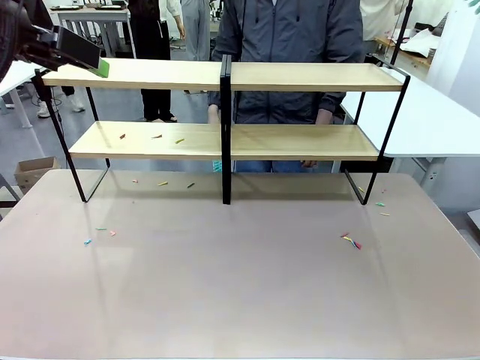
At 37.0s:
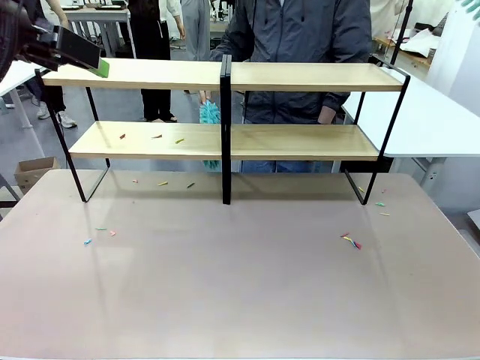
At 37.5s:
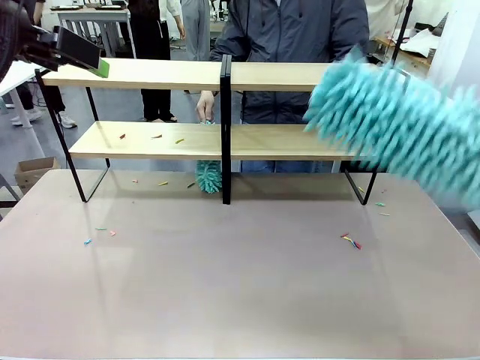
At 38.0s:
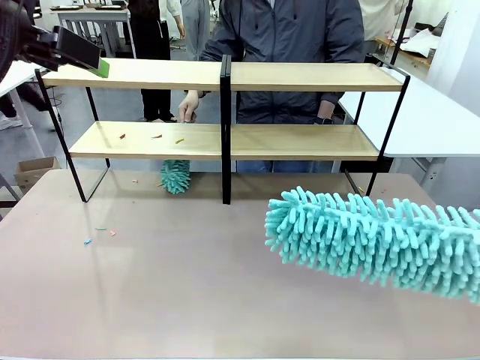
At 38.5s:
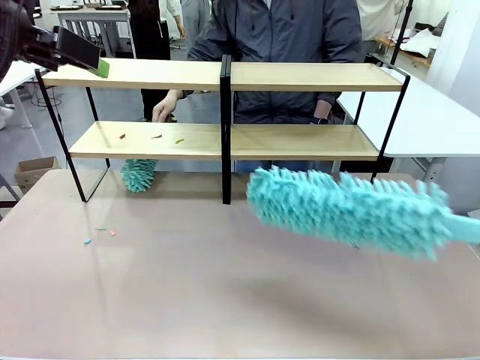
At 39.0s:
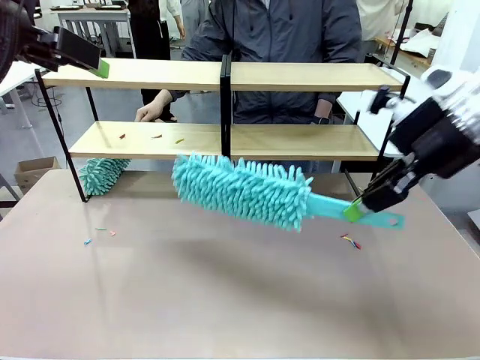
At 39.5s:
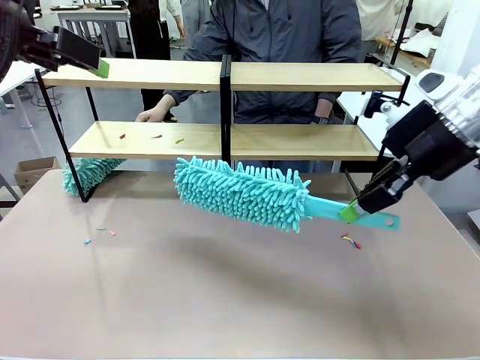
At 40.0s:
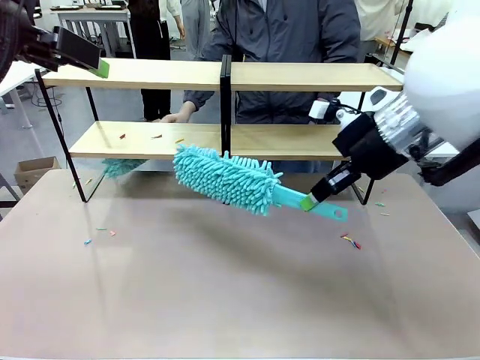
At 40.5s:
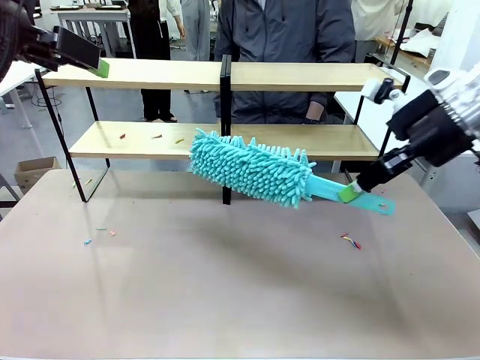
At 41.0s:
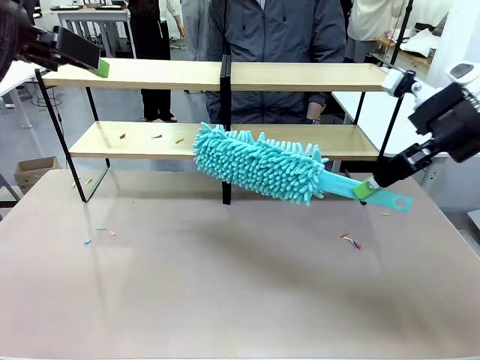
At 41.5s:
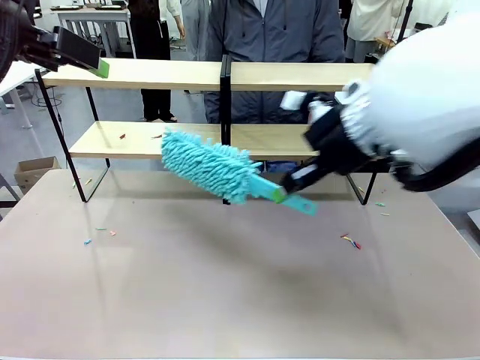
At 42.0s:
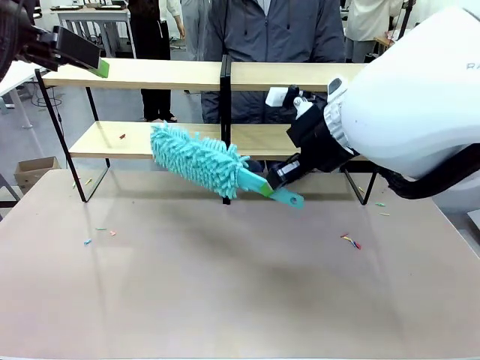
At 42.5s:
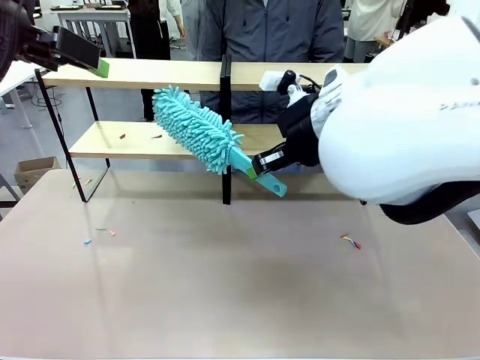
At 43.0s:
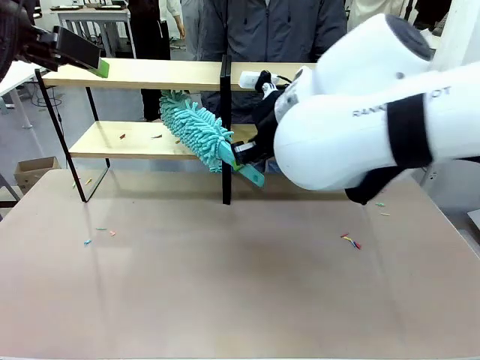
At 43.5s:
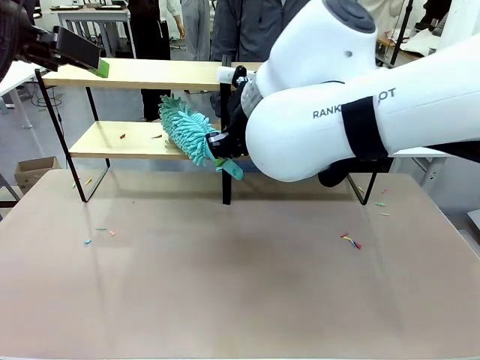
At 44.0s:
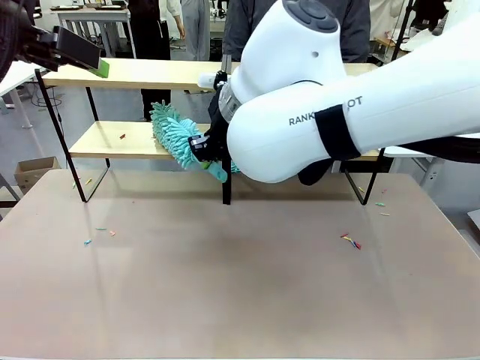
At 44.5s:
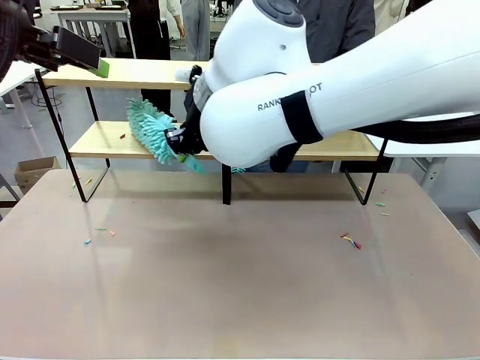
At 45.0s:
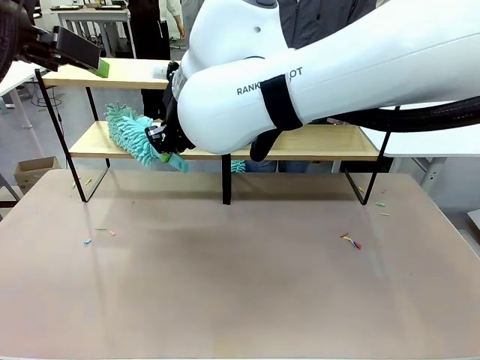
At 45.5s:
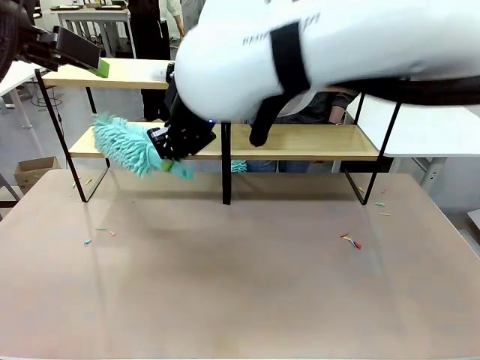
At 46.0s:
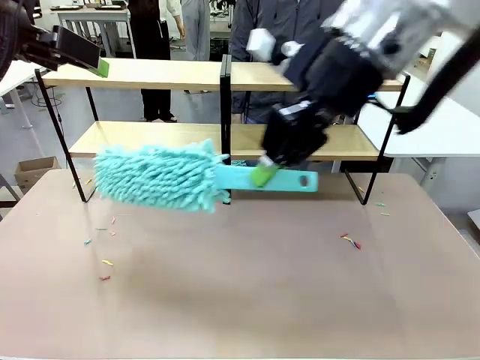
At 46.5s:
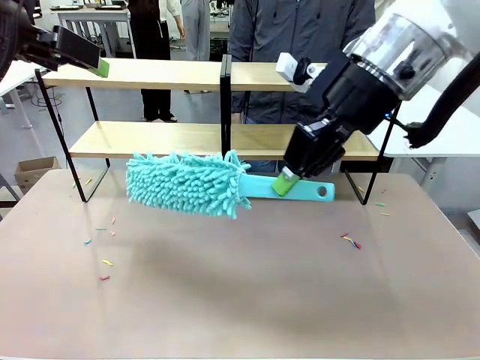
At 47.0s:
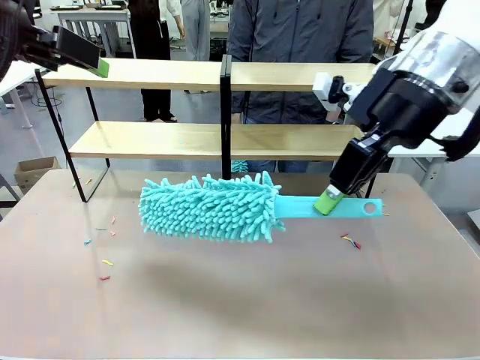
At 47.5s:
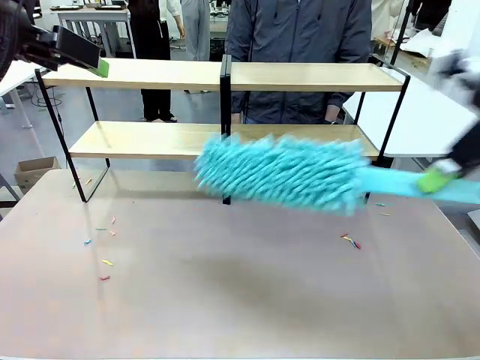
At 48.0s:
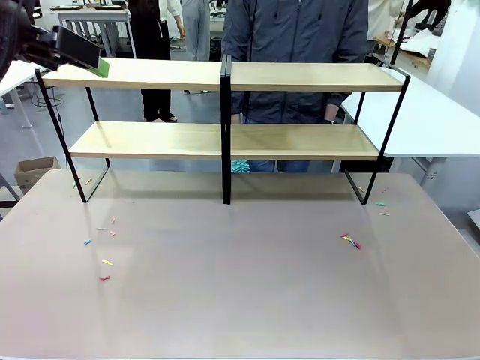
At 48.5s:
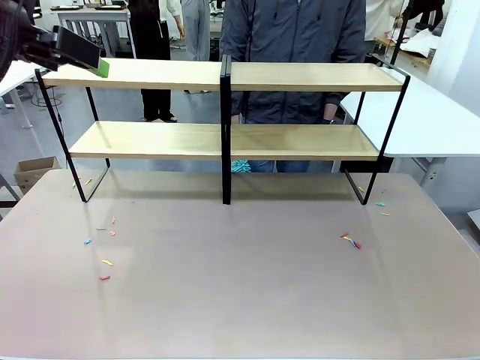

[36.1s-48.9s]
Task: Clean the shelves.
Robot: Clean another randomly selected level of the Shelf with the Duster.

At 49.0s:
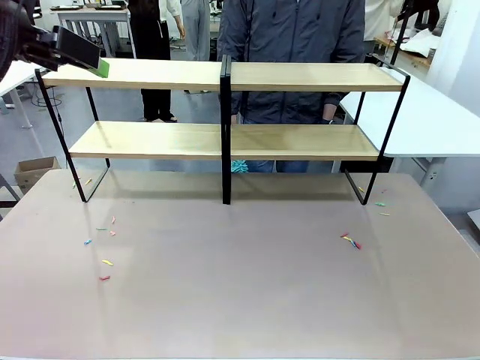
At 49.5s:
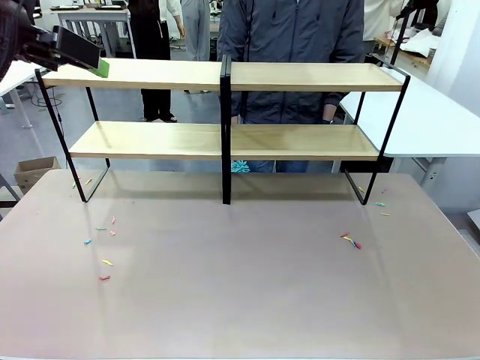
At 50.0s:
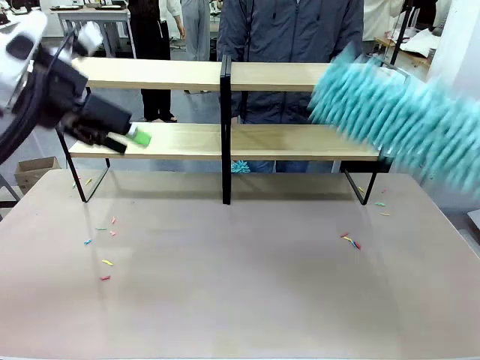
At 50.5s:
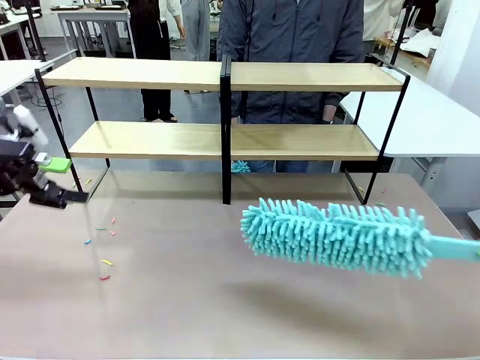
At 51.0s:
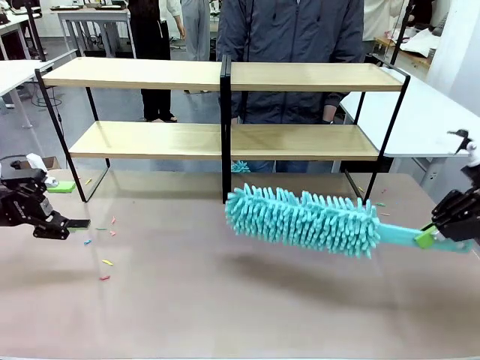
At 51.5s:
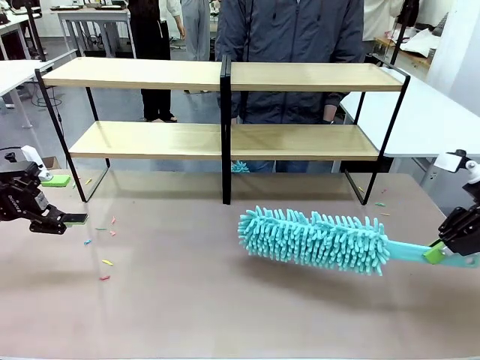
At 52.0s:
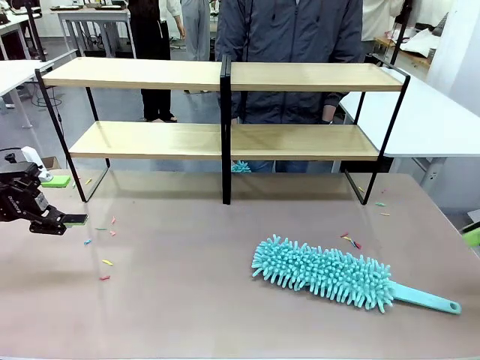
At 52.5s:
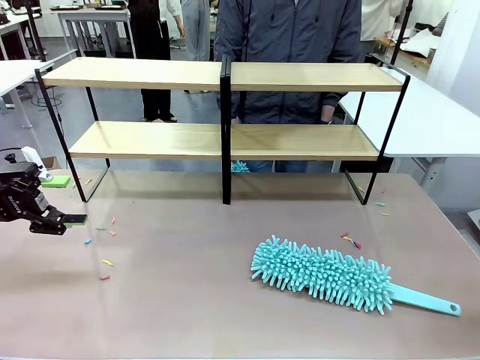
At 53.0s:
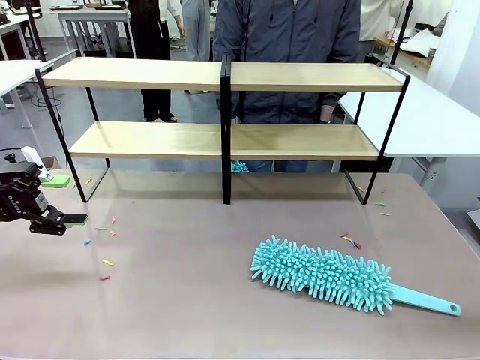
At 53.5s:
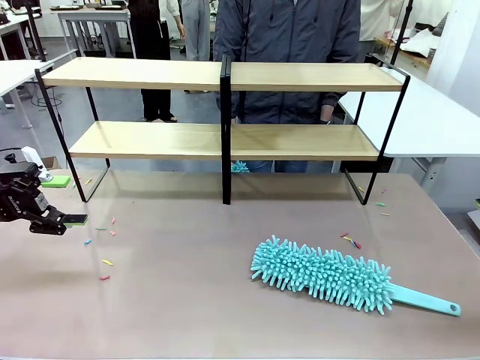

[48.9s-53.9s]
Robot: Place the Duster on the table.

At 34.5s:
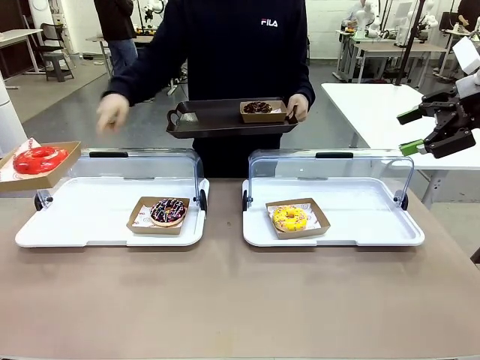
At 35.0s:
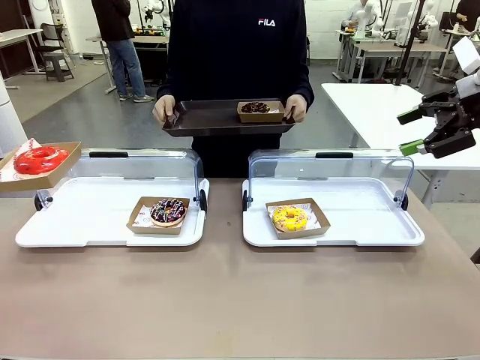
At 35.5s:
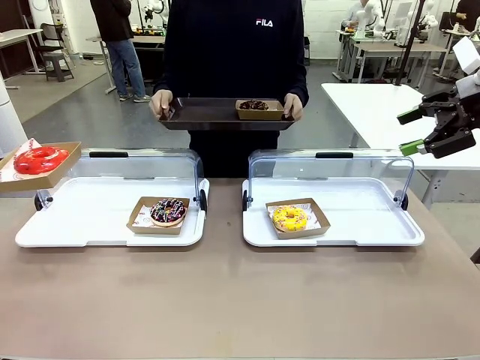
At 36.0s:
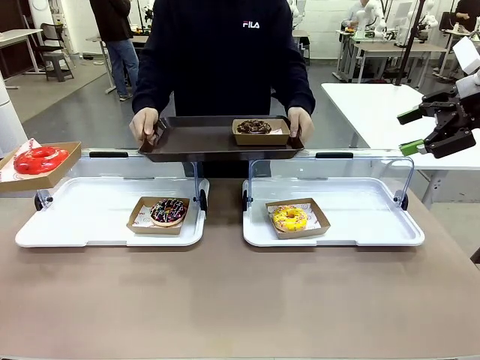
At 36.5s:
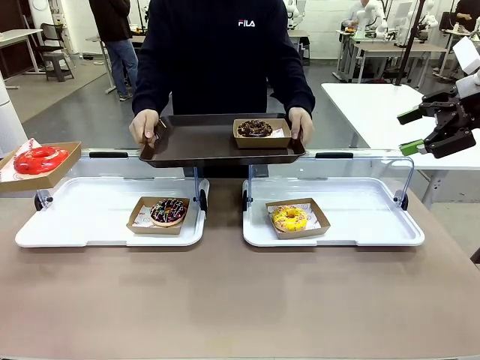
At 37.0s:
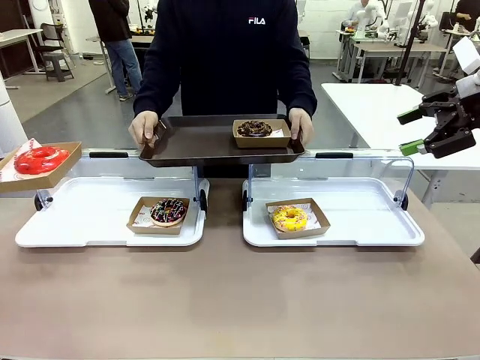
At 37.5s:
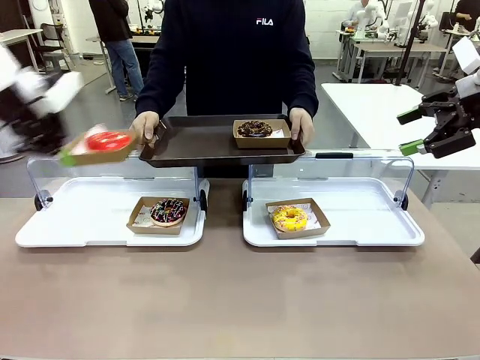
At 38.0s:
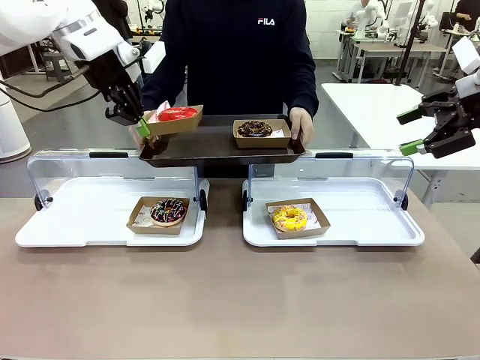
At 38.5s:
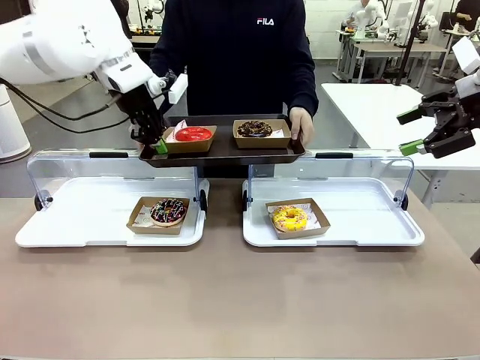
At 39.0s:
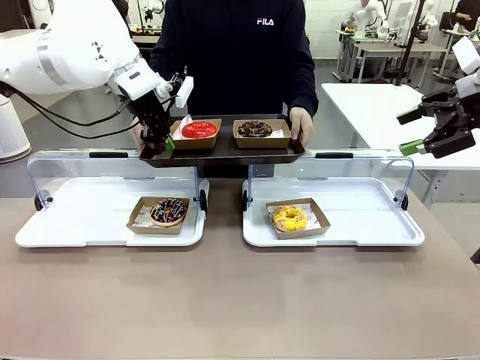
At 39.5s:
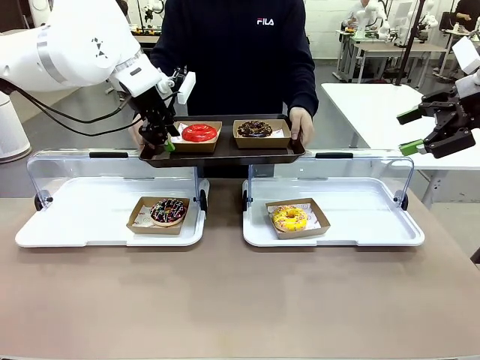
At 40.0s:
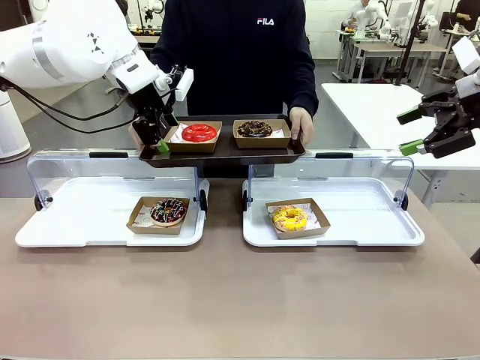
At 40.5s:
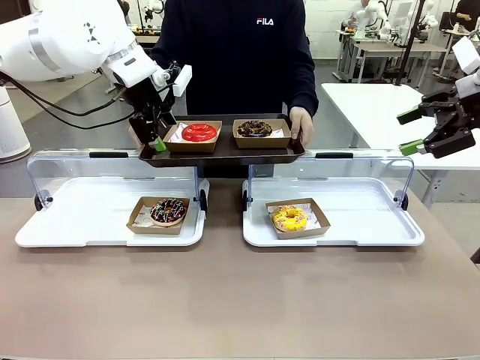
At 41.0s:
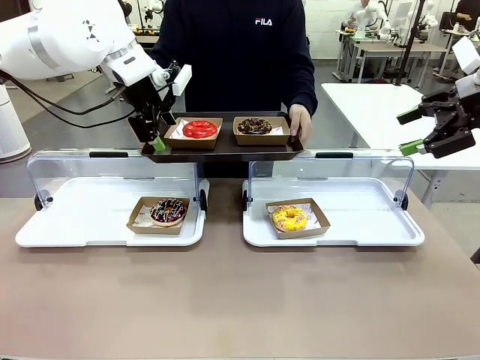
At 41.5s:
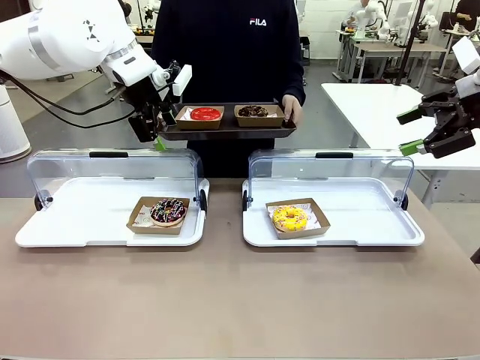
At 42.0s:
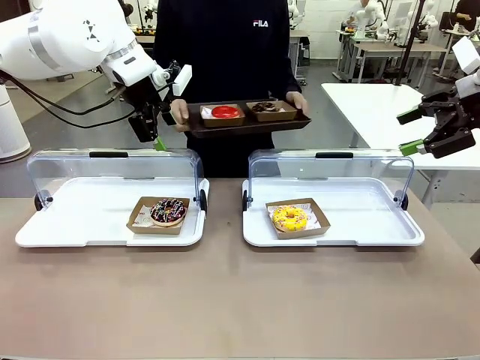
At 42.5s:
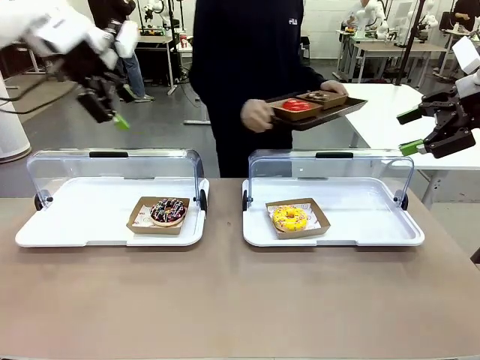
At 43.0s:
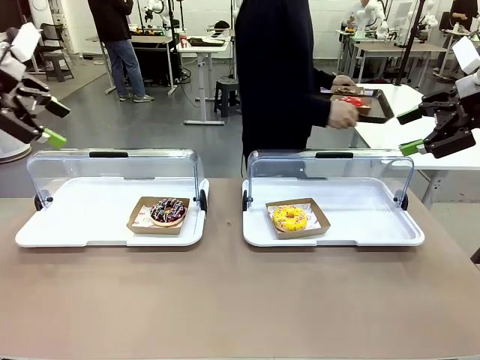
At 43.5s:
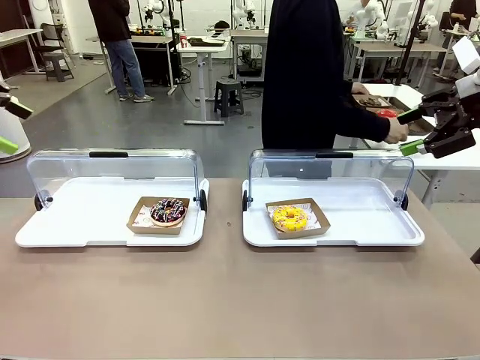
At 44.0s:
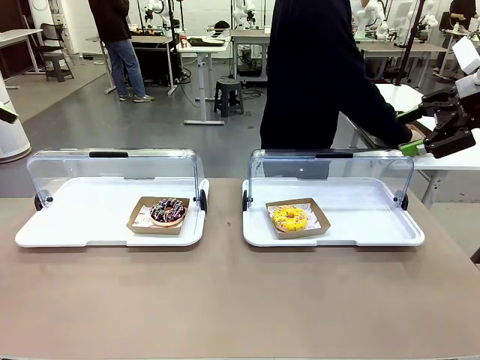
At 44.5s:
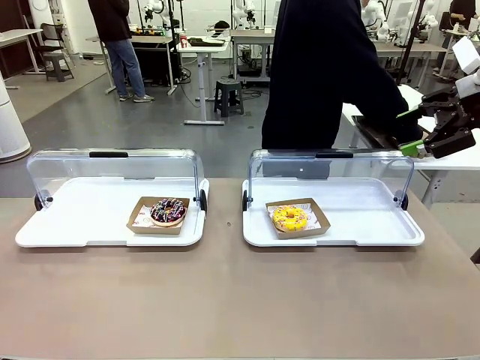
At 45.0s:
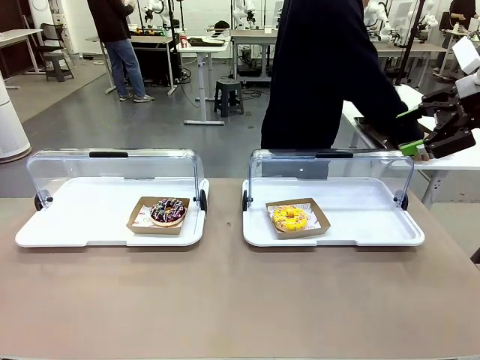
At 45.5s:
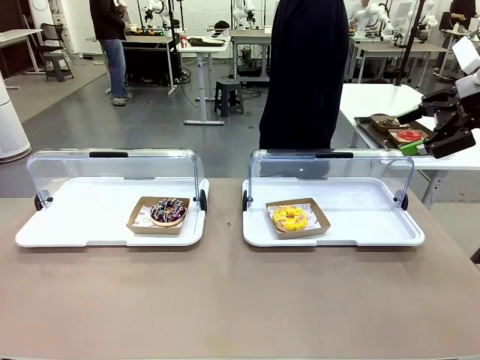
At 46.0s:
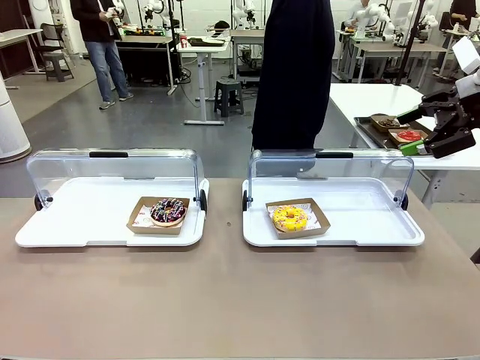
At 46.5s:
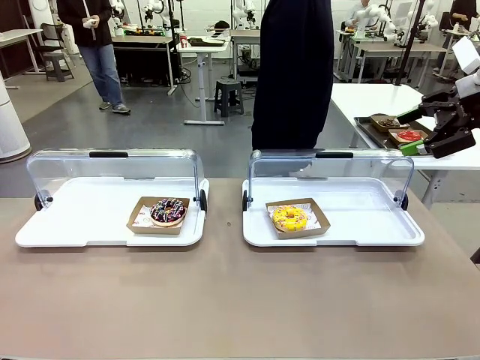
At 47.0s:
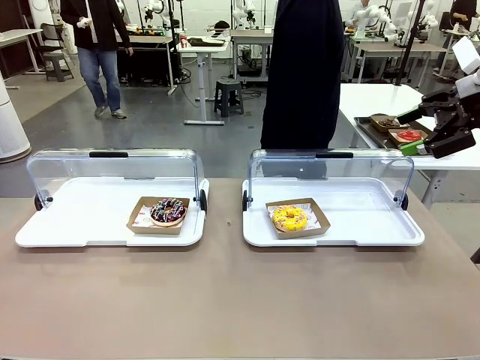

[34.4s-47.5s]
Task: Provide the desired donut to the person.
Robot: Place the picked Paper togo box onto the Handle tray extended by the person.
Person: Place the tray in the middle of the human table.
